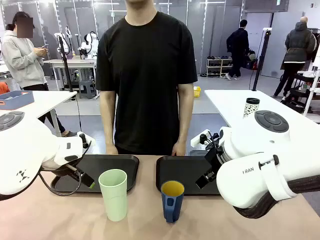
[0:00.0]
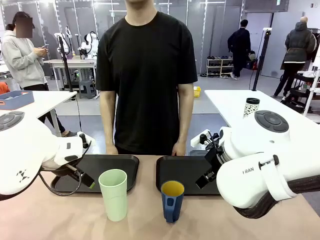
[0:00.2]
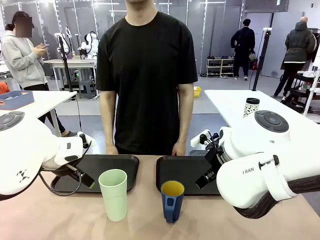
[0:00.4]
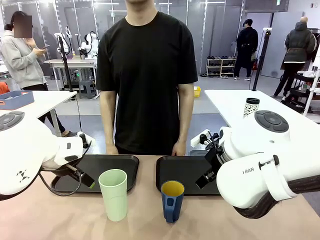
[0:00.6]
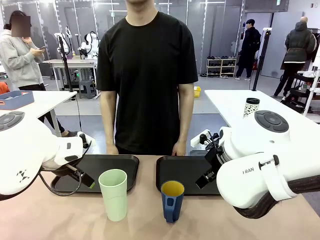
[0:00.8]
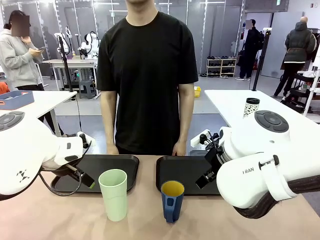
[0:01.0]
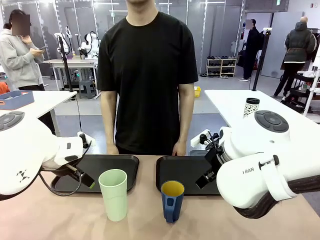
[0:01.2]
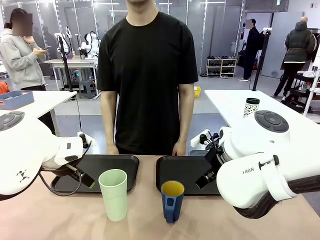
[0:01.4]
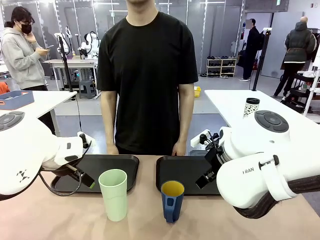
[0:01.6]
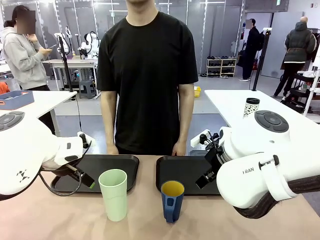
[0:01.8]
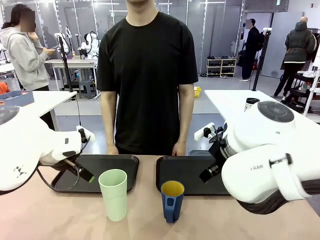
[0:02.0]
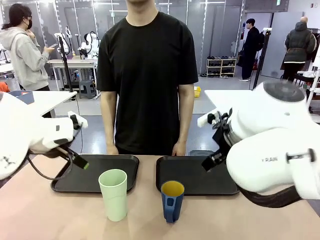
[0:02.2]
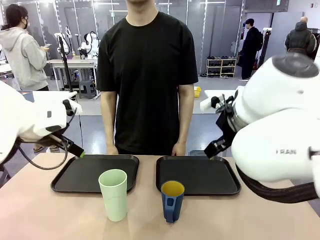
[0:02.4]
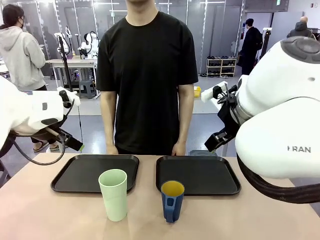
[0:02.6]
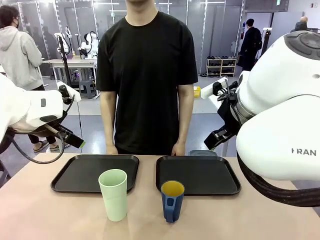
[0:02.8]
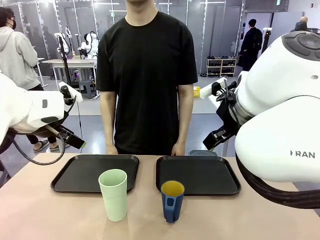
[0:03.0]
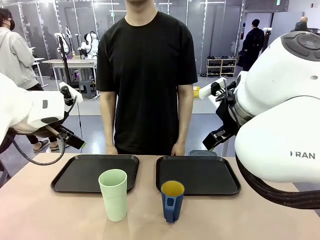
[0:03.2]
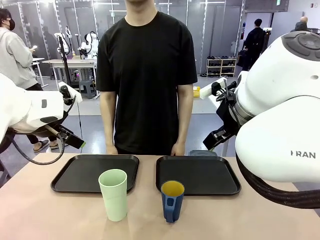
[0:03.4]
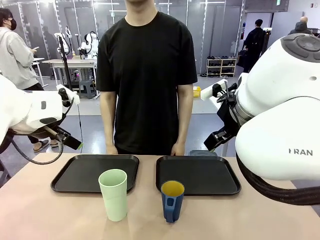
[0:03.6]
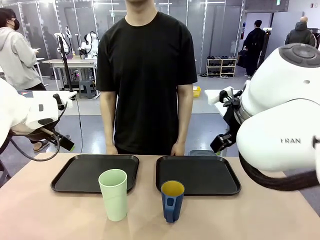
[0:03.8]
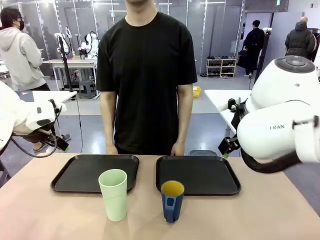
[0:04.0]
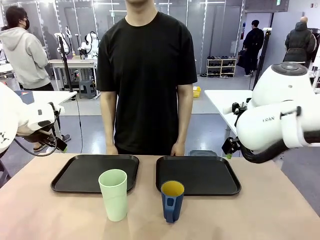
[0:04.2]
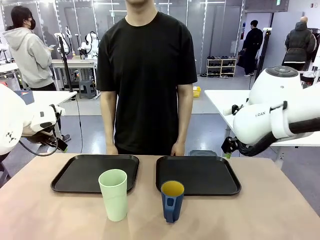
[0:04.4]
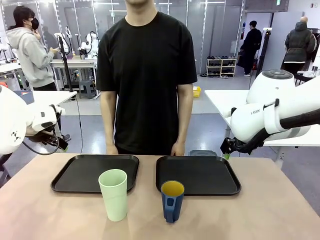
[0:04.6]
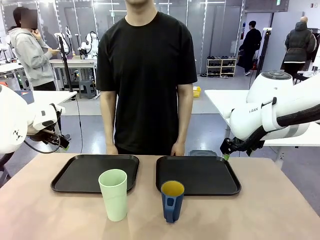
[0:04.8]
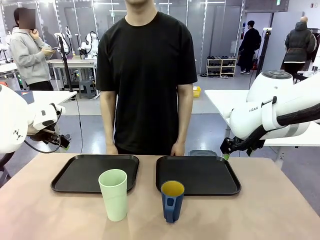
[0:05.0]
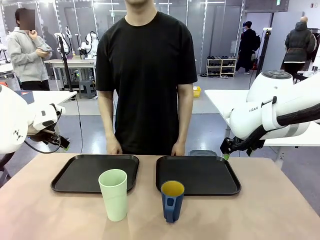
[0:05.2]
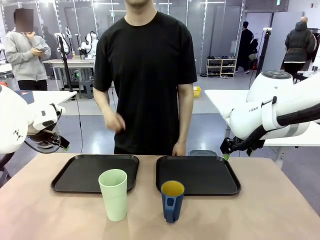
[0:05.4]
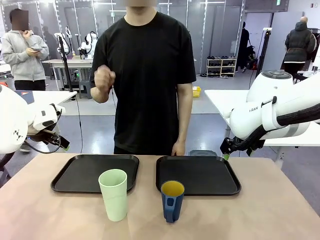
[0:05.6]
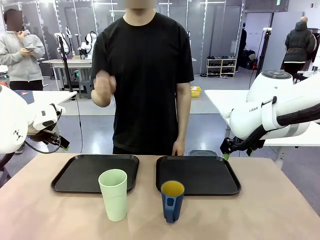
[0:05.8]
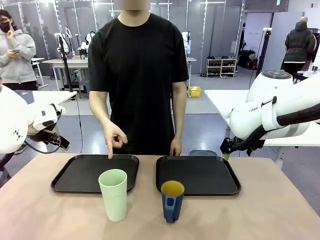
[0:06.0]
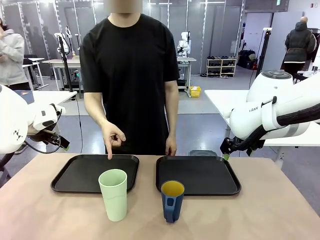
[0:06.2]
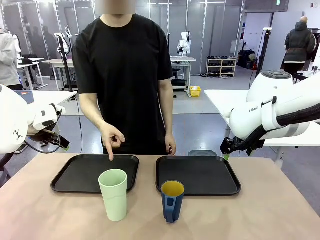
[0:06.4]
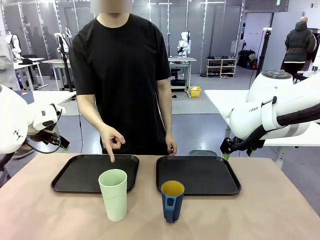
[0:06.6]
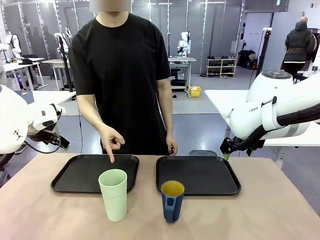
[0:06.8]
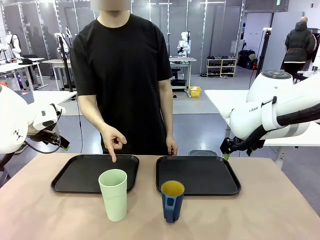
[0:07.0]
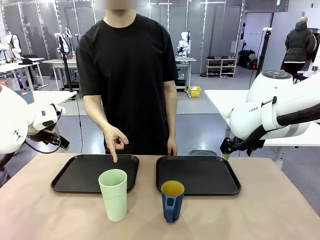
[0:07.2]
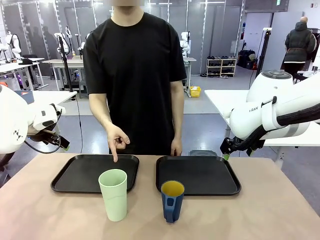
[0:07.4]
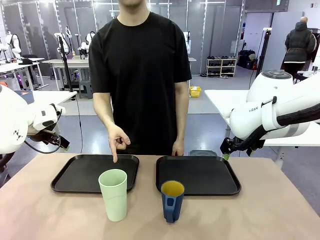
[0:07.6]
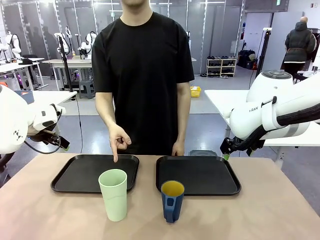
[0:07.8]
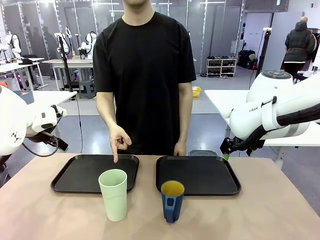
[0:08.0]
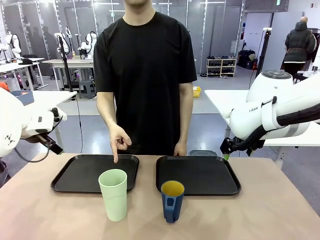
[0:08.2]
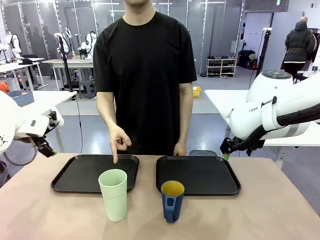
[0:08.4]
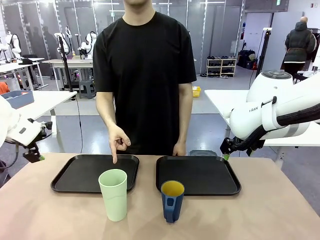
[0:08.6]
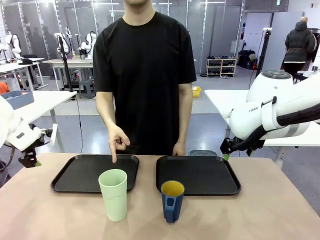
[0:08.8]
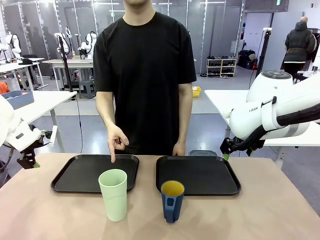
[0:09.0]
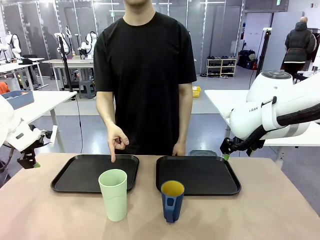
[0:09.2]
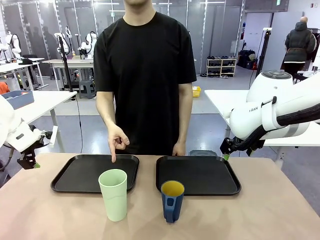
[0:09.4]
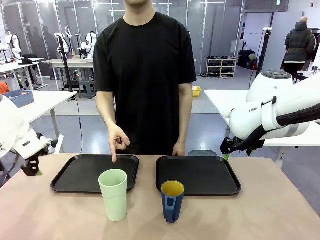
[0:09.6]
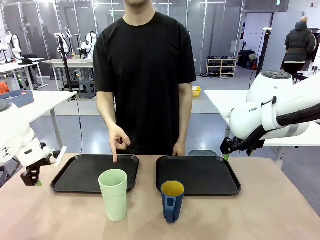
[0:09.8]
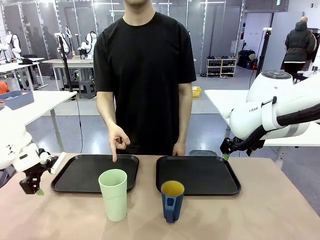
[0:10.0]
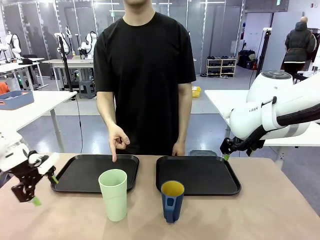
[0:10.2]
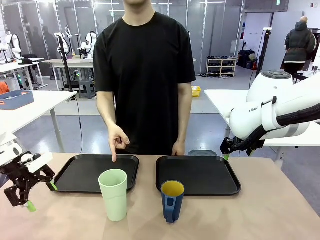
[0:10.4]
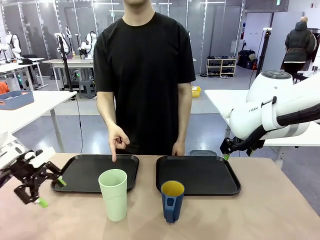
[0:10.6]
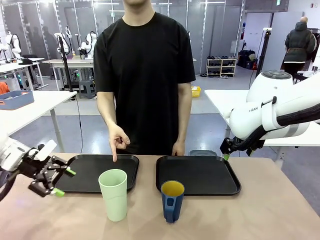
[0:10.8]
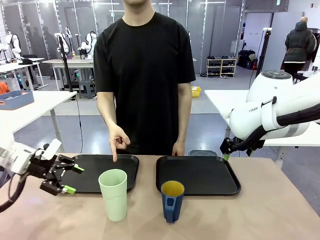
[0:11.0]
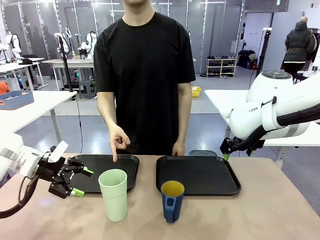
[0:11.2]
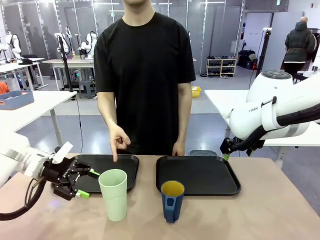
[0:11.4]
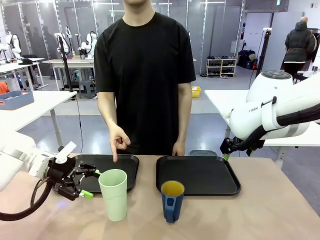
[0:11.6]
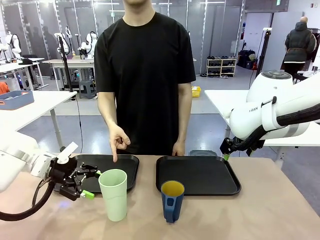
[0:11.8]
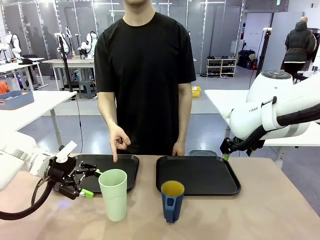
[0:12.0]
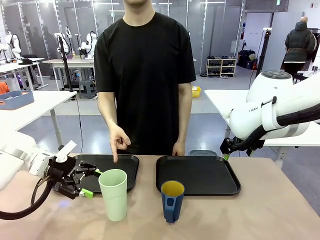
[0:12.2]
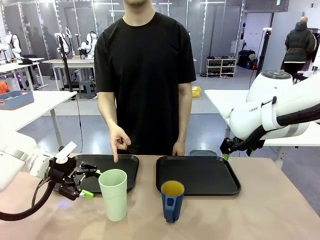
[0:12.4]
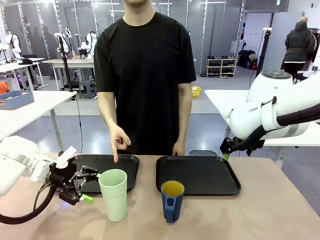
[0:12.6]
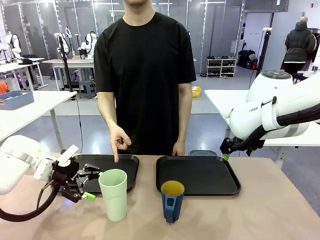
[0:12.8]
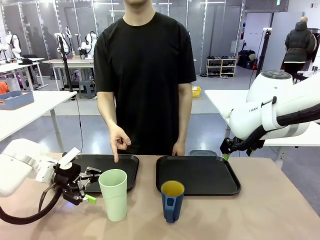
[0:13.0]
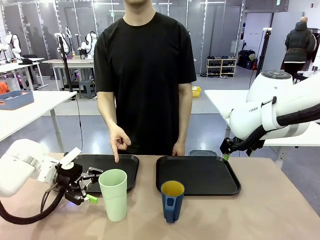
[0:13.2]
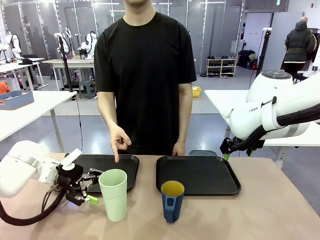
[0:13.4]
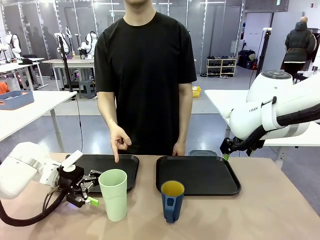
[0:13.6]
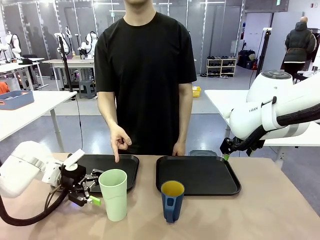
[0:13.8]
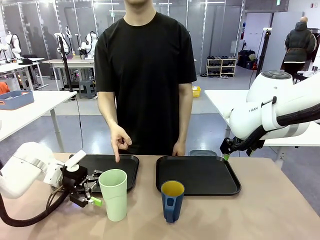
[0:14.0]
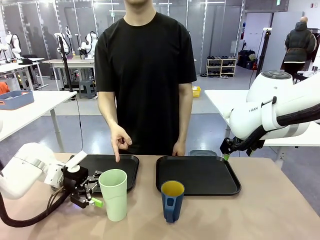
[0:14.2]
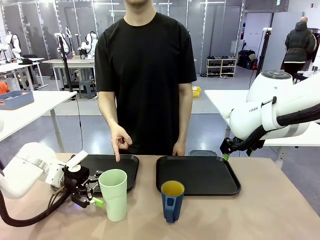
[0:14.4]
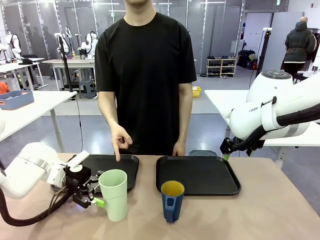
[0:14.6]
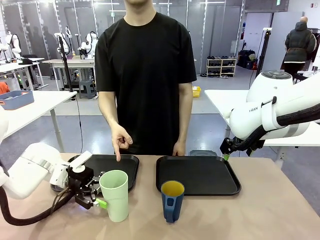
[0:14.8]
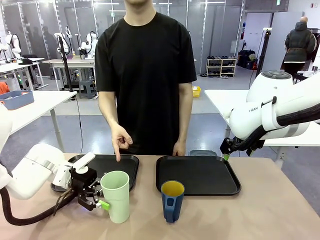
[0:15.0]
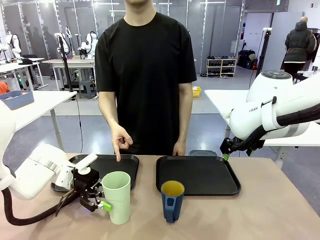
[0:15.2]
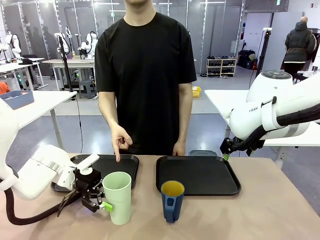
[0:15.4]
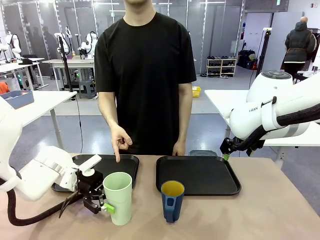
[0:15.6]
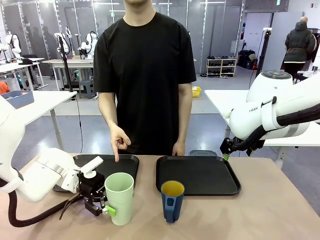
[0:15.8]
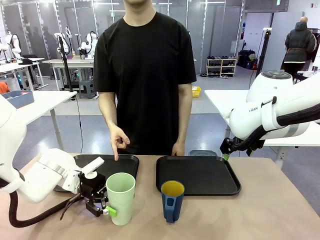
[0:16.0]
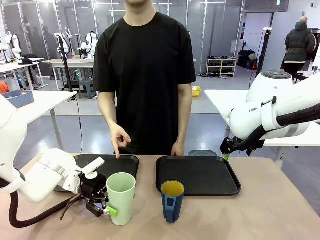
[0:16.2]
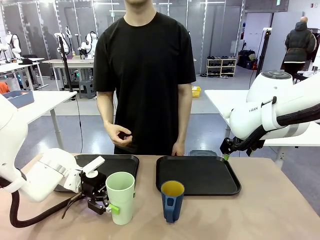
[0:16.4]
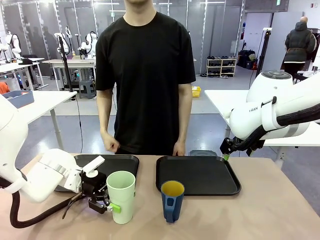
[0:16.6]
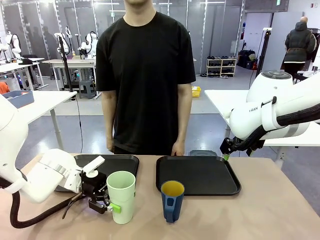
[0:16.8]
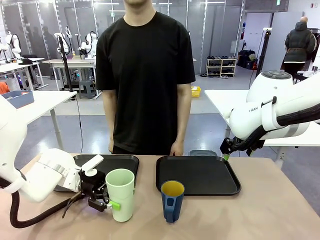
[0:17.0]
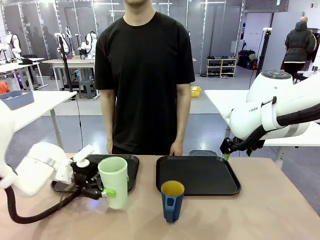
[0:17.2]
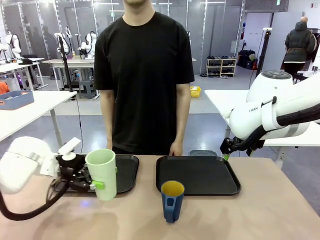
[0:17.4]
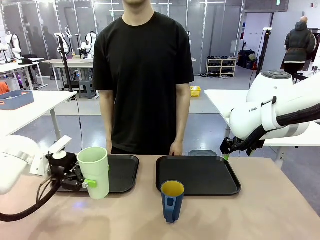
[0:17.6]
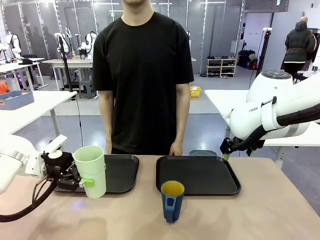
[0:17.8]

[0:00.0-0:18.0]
Task: Sort and store the cups by type.
Robot: Pick up the Reusable plastic cup.
Person: Points to the reusable cup. Point to one of the two trays.
